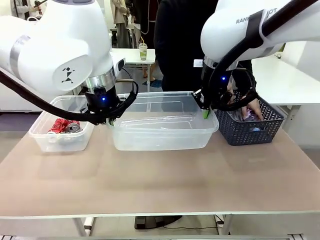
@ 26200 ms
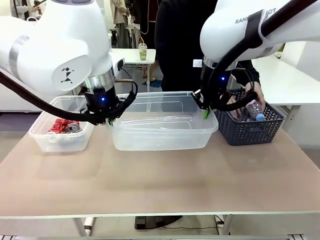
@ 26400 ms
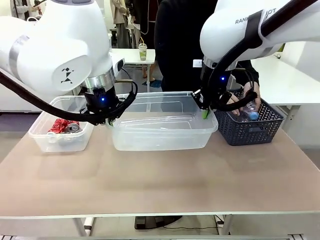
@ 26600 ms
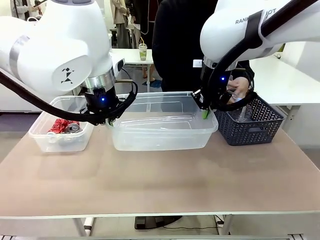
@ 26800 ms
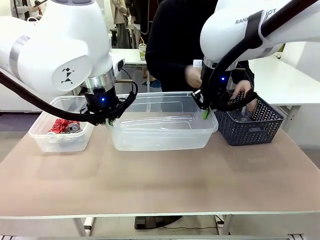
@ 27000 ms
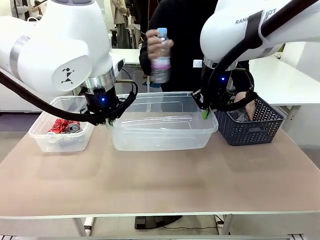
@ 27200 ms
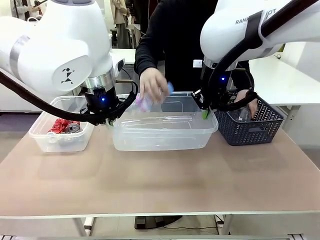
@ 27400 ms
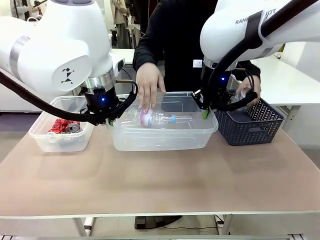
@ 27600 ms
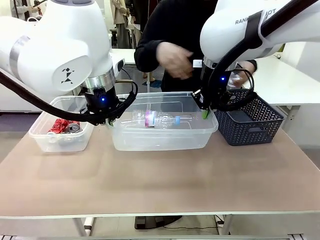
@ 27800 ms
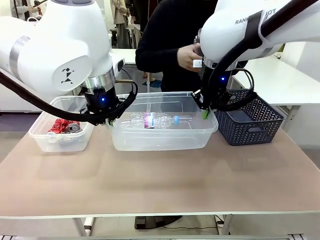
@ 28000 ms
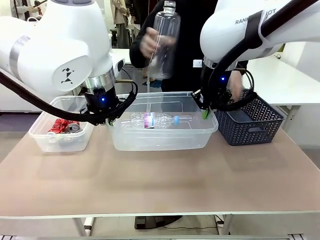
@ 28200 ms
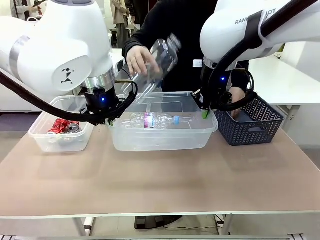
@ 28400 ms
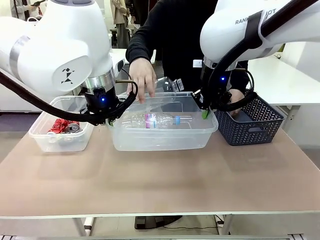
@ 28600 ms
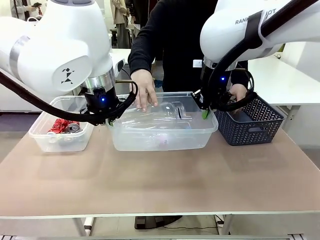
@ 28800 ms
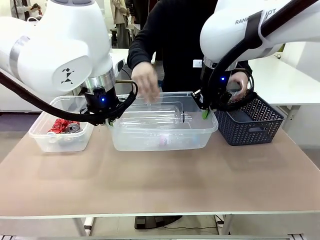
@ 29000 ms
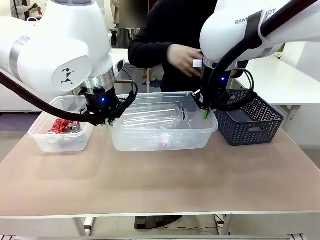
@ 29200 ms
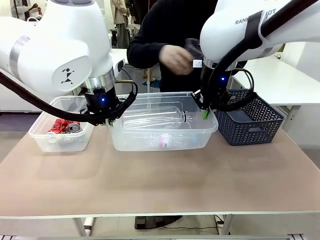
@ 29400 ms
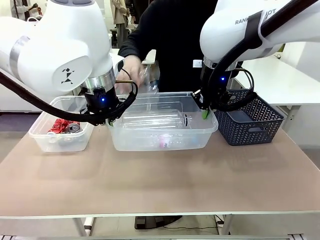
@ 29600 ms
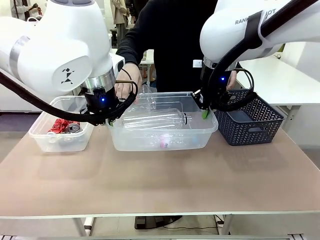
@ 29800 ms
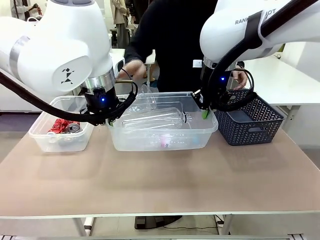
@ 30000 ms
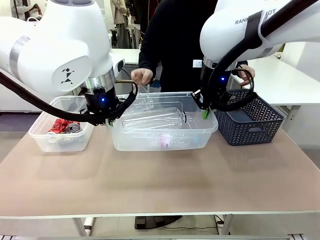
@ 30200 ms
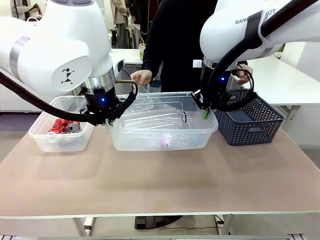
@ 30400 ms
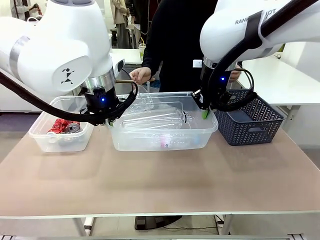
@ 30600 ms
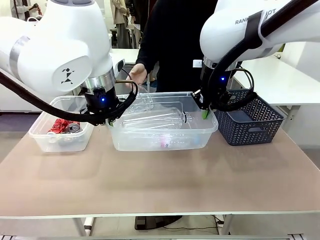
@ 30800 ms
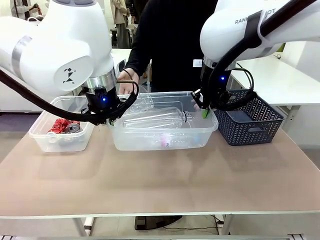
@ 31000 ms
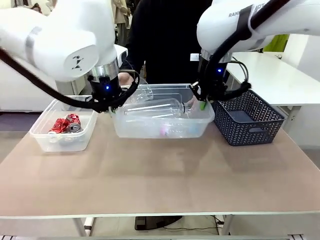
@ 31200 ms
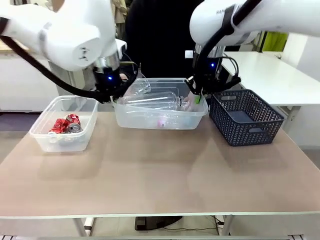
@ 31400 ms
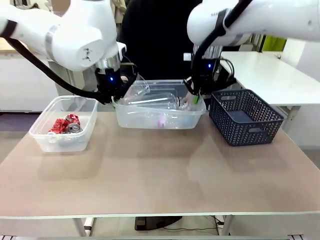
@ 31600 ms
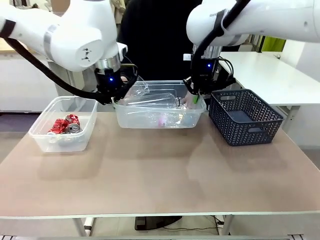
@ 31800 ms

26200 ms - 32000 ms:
Robot: Offer the picked Organizing box to the human.

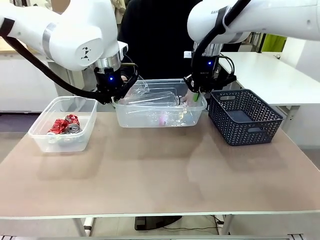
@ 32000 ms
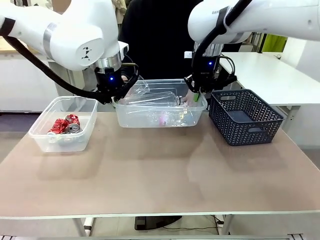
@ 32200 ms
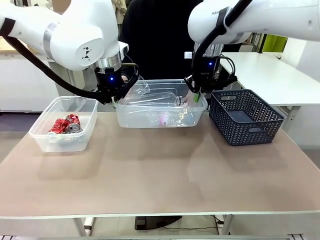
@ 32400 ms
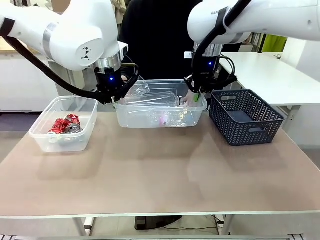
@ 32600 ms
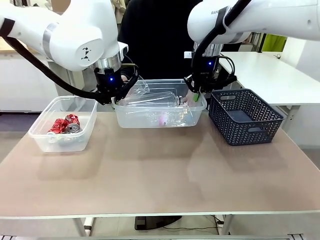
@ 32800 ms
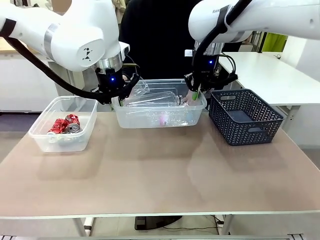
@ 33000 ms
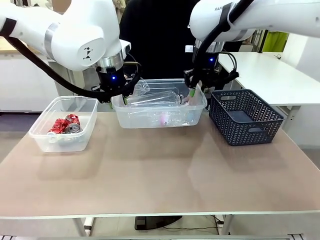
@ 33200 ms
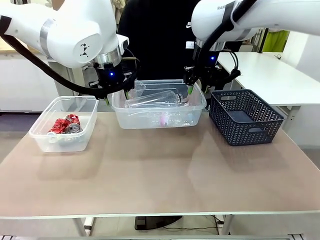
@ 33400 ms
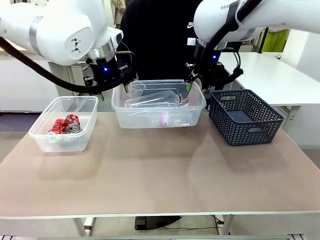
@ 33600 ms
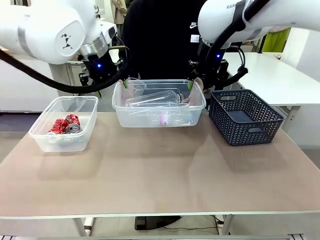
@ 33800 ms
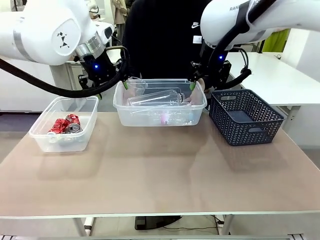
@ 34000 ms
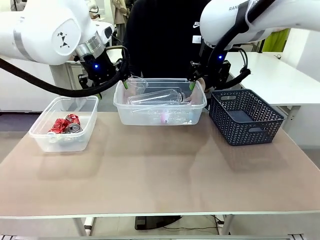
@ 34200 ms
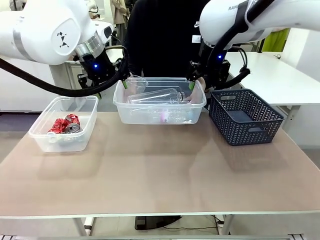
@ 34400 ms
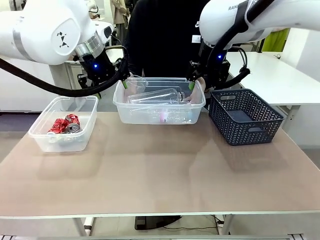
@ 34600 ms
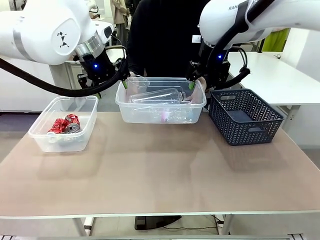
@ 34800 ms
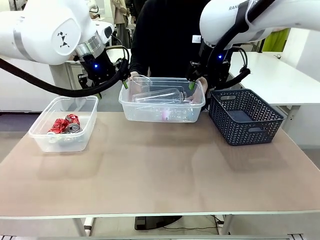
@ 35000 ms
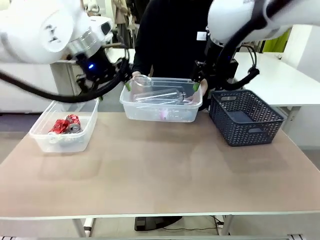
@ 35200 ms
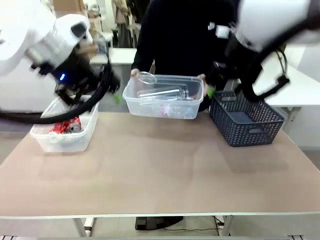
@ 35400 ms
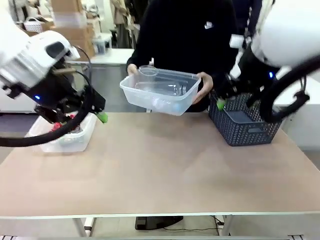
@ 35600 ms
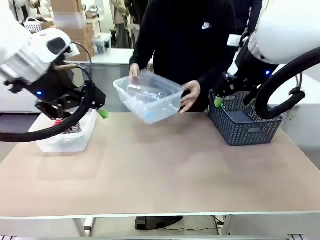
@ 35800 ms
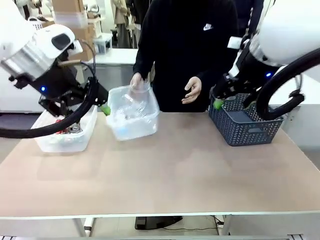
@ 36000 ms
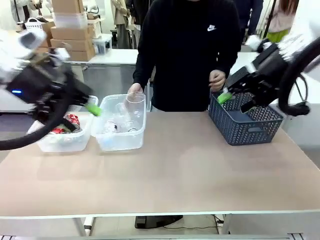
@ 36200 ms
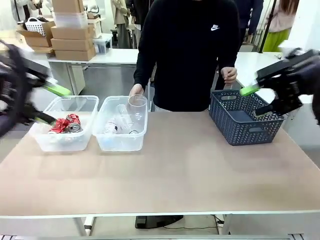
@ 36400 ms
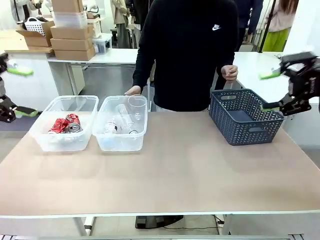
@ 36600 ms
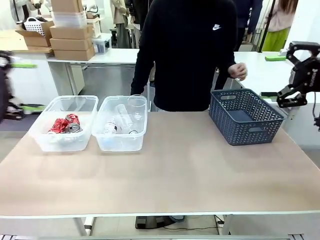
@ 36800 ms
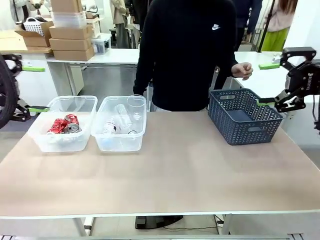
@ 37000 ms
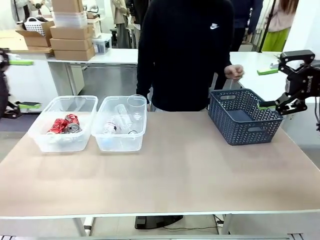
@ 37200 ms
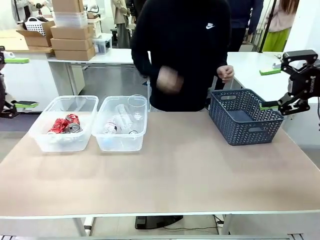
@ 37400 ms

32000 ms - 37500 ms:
Robot: Release the Organizing box you were holding.
Person: Pick up the organizing box extended by the robot. Place the organizing box to the left of the sorting box containing the can waste.

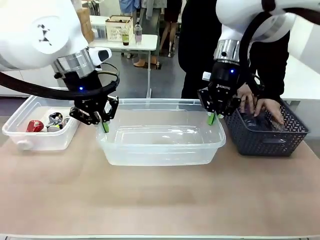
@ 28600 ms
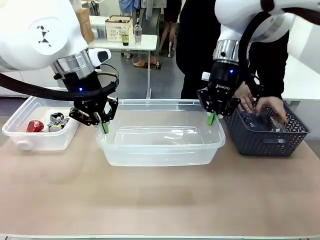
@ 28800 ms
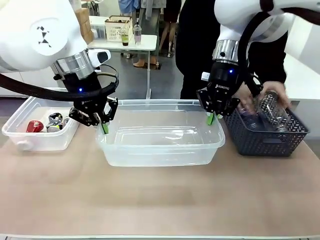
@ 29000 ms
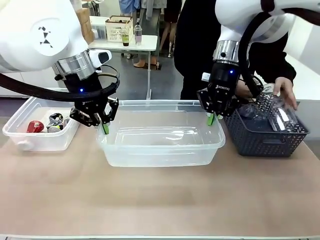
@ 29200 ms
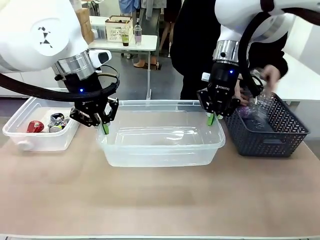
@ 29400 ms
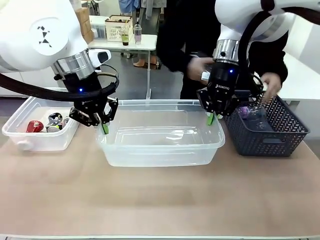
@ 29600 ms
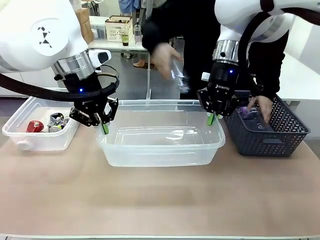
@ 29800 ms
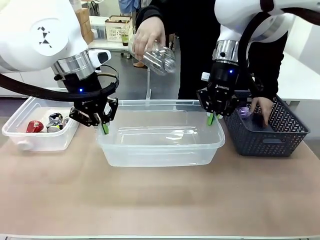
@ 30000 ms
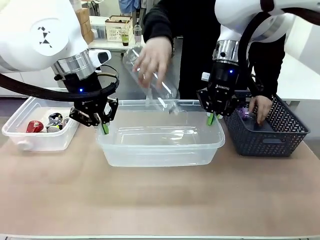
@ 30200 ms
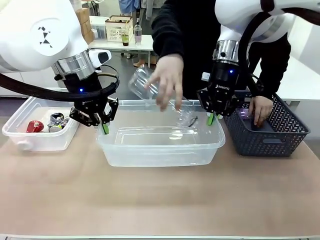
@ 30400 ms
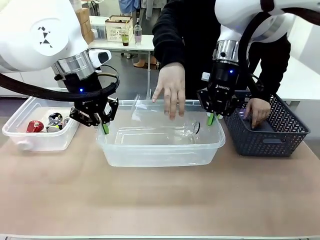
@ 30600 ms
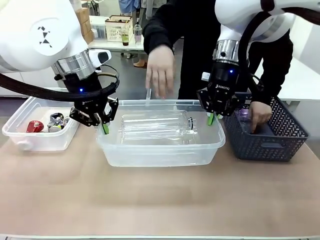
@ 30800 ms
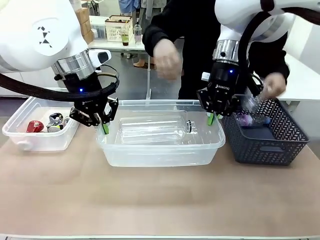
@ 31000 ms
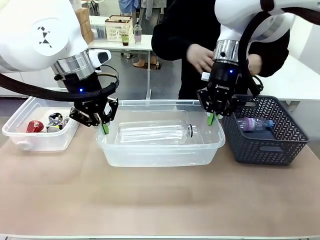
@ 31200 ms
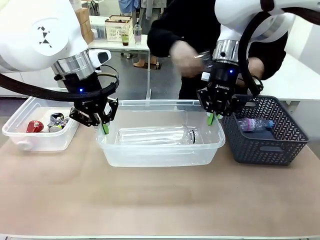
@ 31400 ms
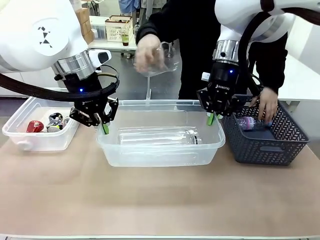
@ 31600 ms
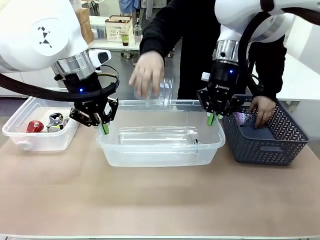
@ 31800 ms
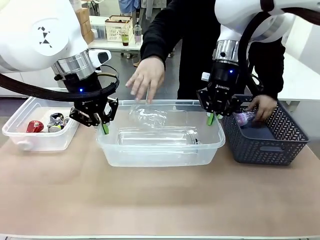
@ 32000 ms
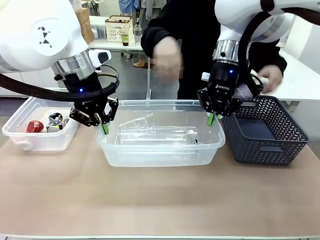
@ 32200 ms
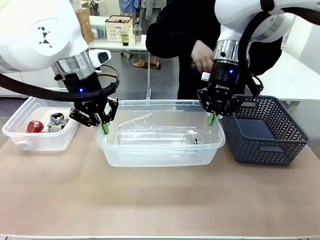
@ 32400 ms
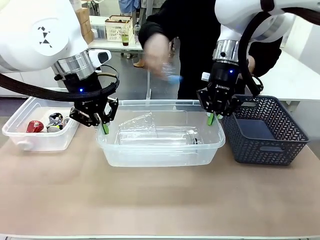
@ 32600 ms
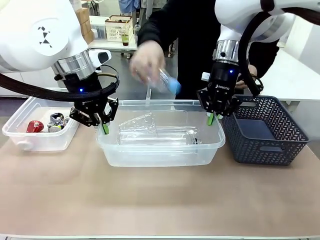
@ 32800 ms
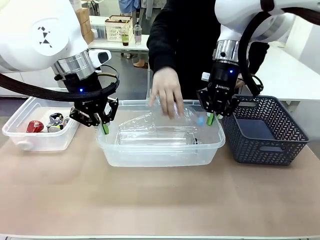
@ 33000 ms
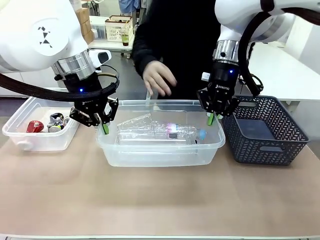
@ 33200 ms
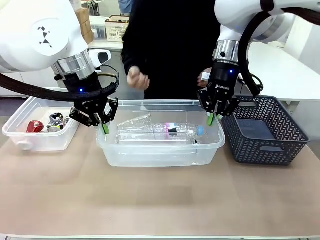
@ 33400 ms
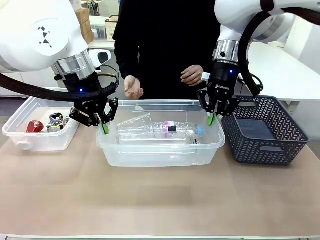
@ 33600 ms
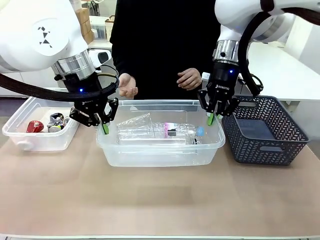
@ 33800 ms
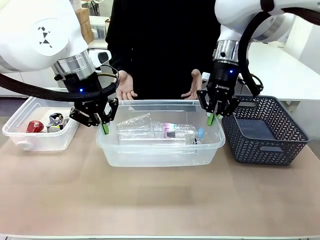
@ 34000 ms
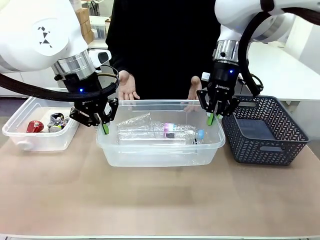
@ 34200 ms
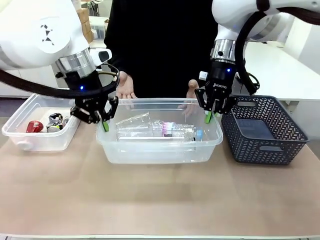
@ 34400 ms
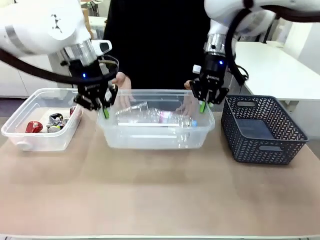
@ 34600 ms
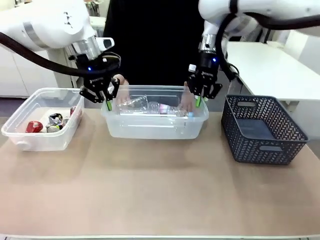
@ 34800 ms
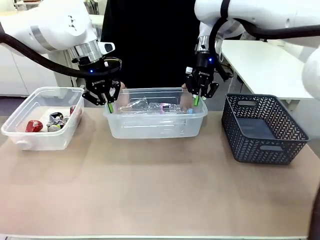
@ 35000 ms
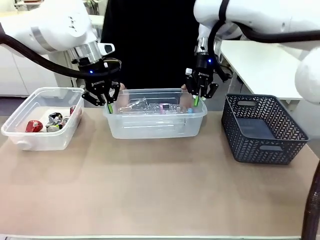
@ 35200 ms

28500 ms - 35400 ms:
Robot: Offer the picked Organizing box to the human.
Person: Pick up plastic waste one by one and place it into the organizing box lifted by the robot.

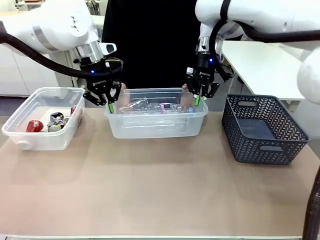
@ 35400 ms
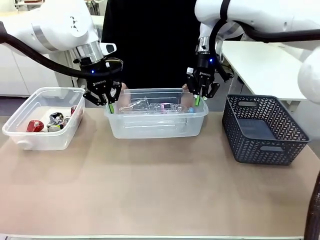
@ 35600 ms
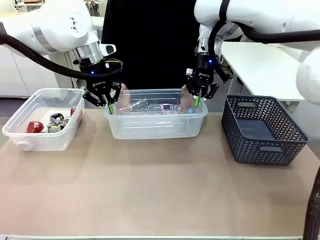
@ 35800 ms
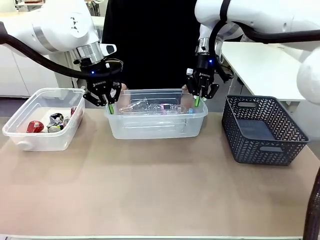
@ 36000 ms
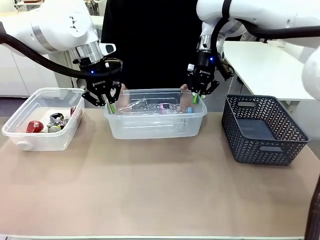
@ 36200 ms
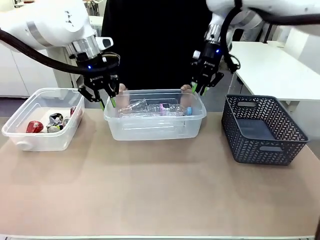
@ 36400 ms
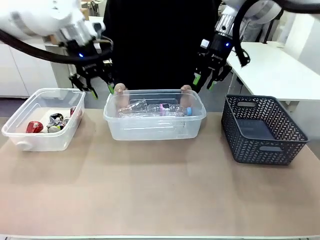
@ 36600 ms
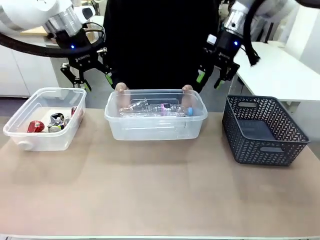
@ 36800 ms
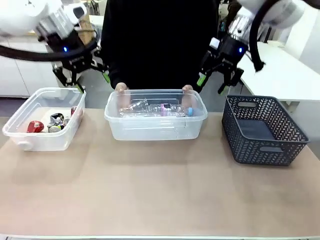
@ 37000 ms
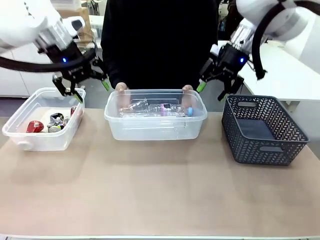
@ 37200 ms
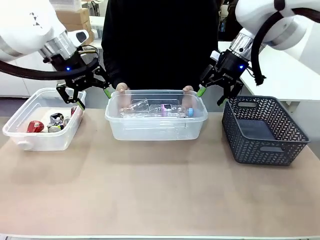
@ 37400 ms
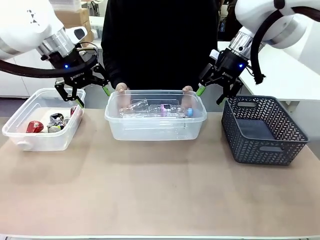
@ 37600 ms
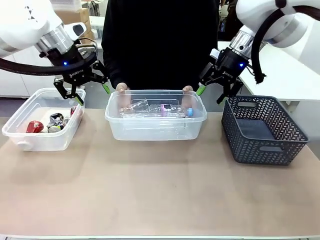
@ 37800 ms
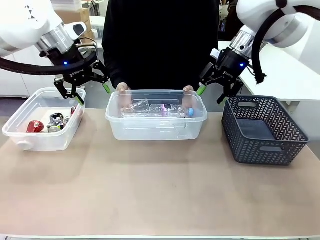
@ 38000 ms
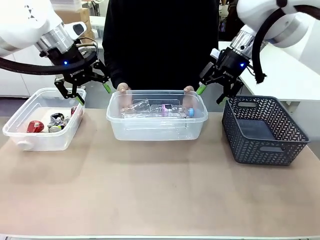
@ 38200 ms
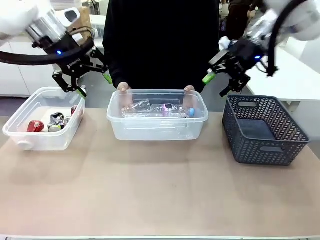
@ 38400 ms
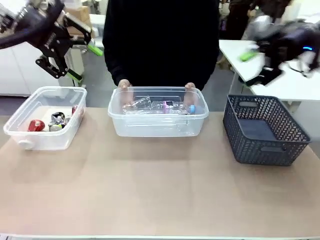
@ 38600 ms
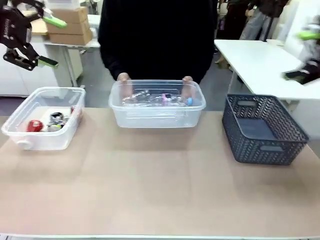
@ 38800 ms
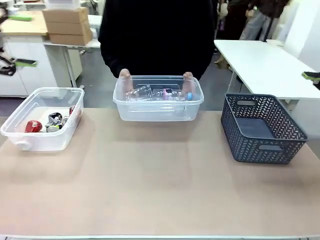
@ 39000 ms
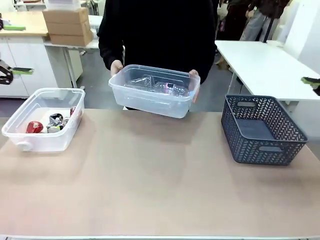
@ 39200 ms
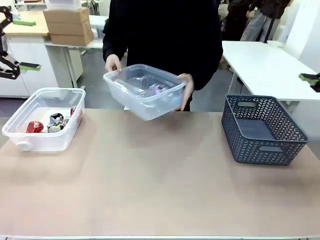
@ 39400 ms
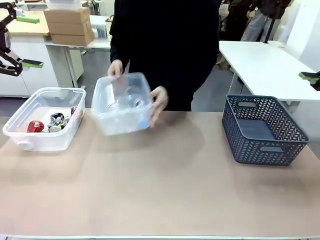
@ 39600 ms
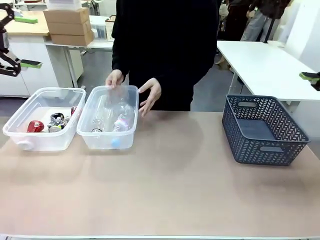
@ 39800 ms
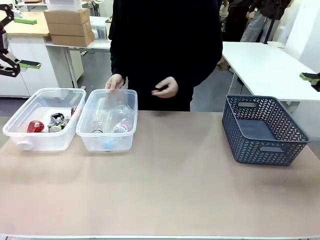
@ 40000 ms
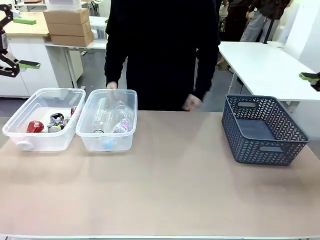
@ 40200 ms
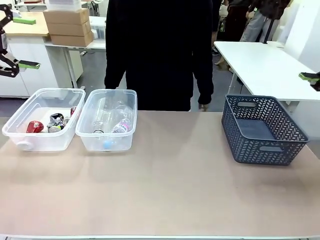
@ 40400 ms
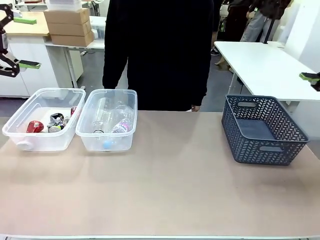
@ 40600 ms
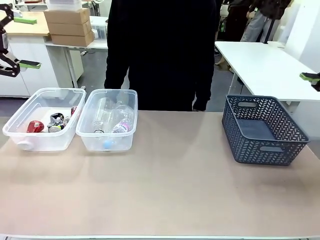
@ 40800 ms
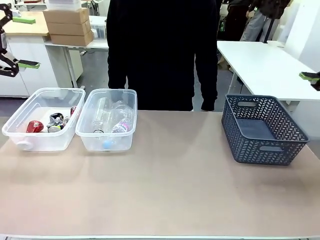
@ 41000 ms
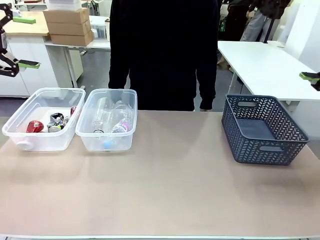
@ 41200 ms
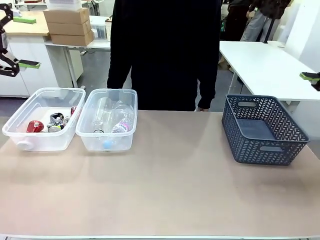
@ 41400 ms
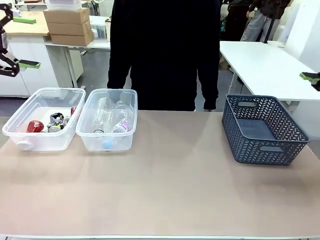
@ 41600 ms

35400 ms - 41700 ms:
Robot: Release the Organizing box you were holding.
Person: Pick up the organizing box extended by the robot. Place the organizing box to the left of the sorting box containing the can waste.
